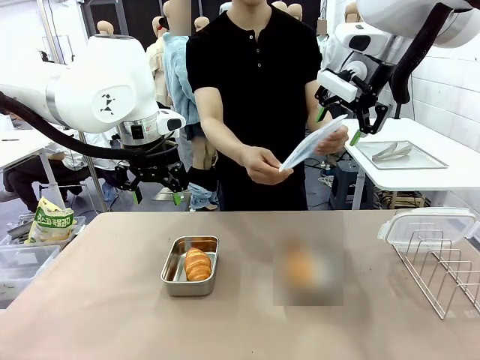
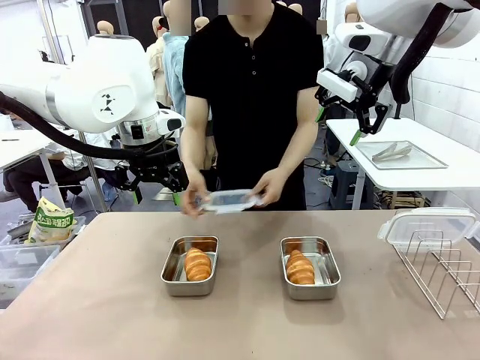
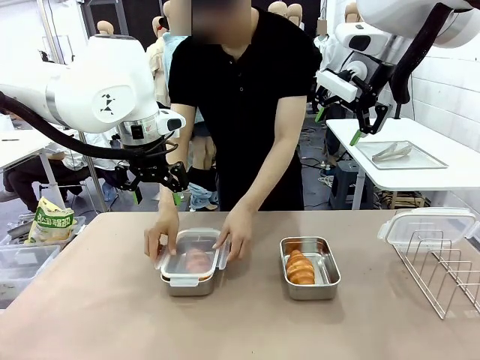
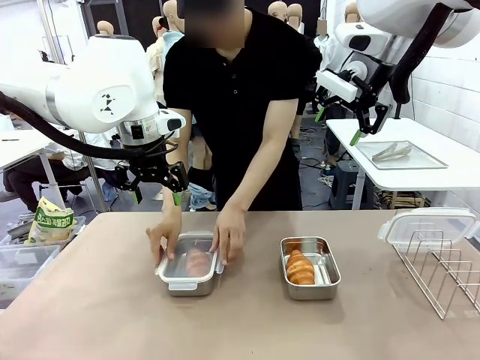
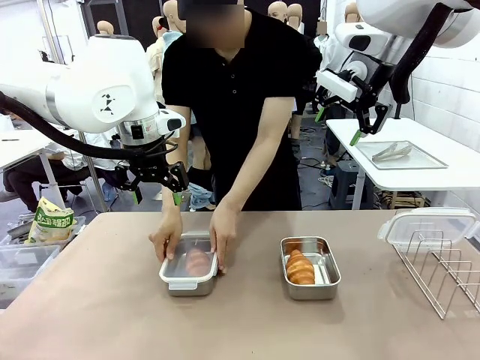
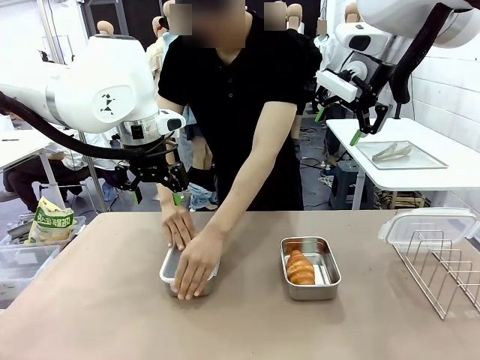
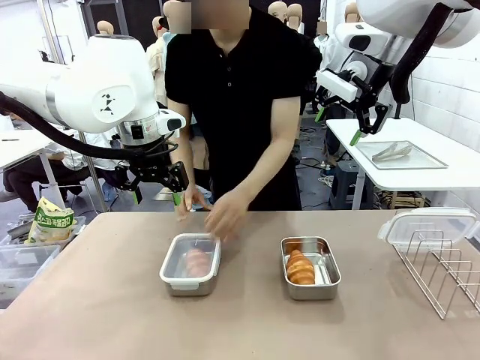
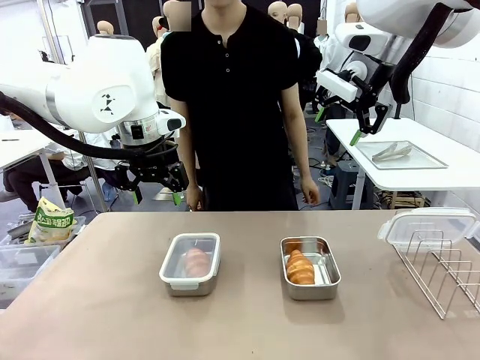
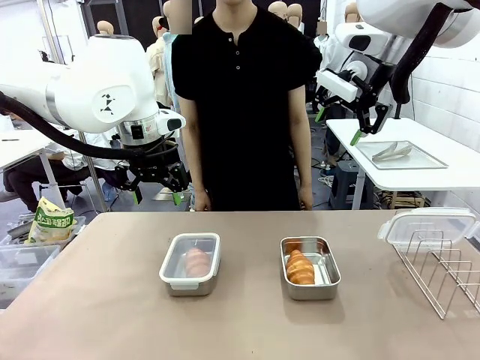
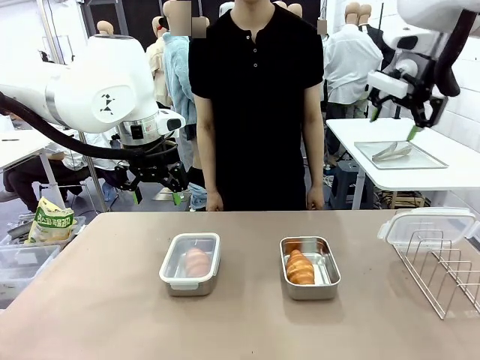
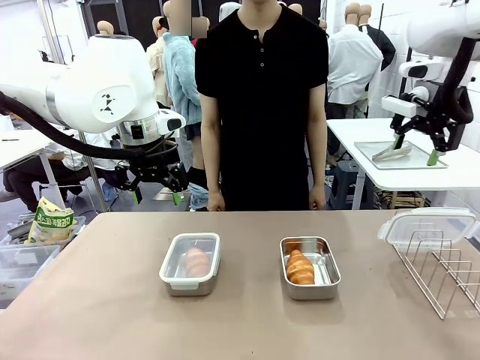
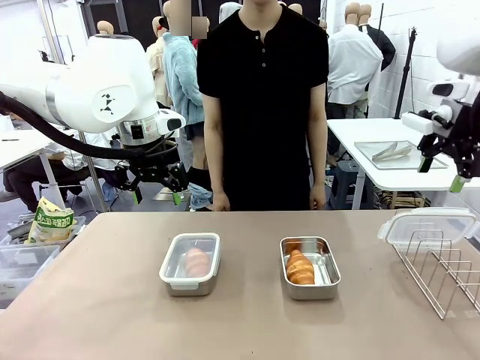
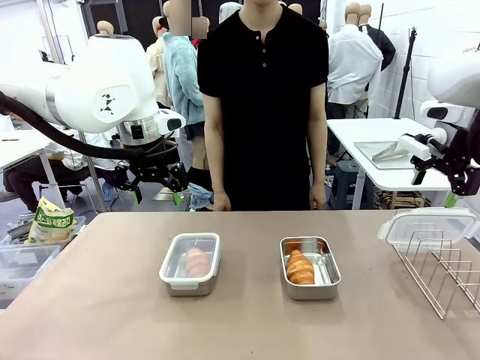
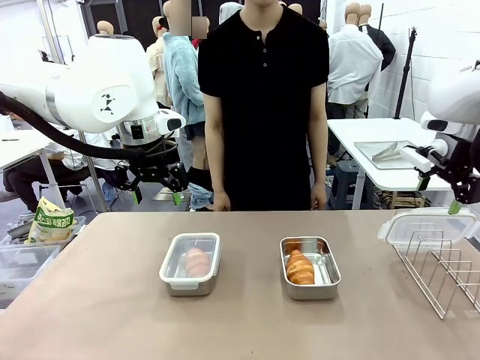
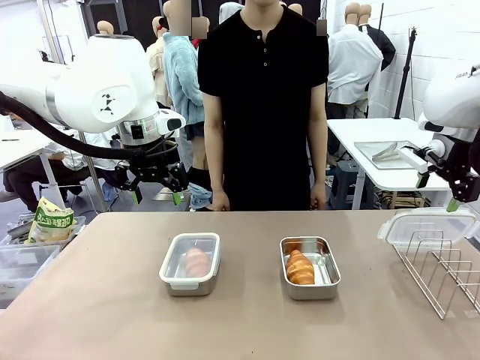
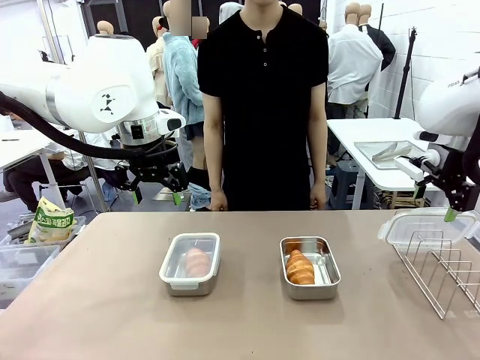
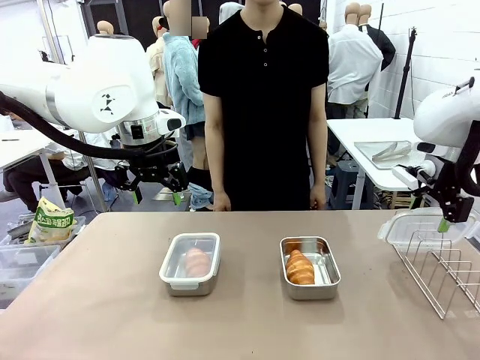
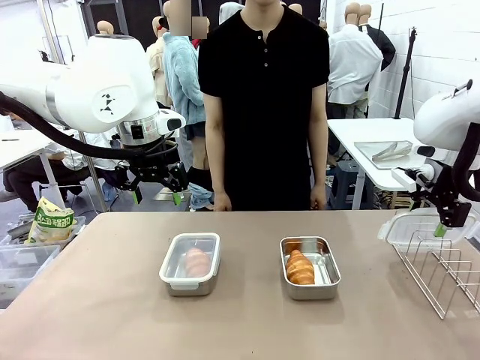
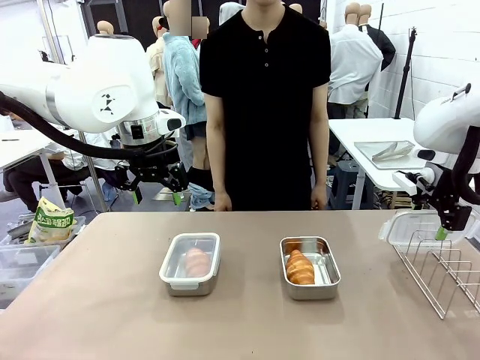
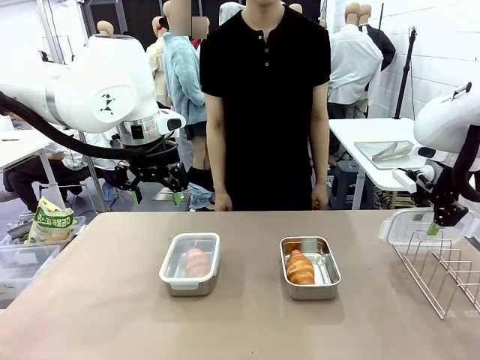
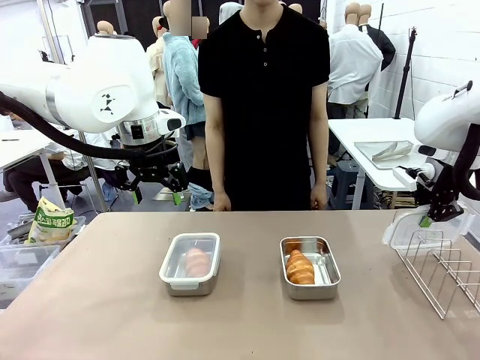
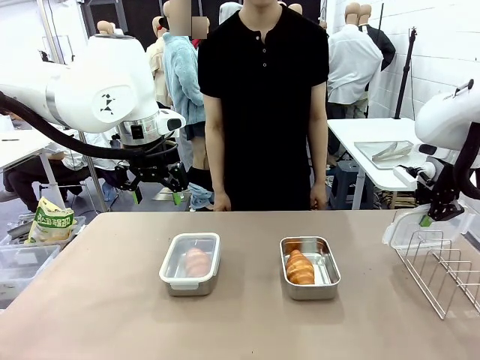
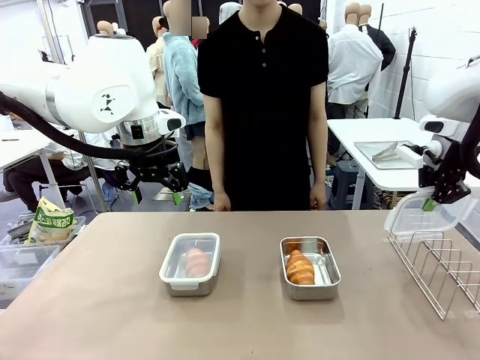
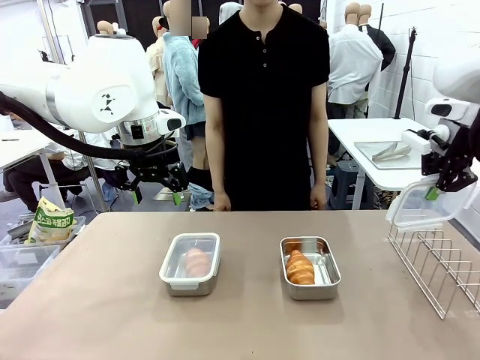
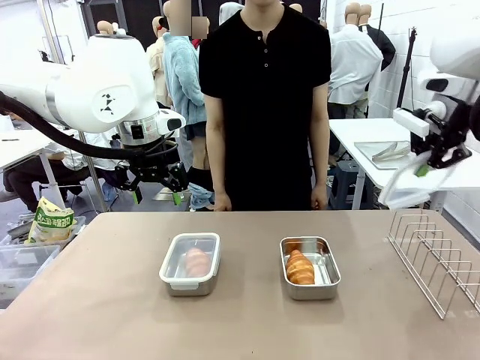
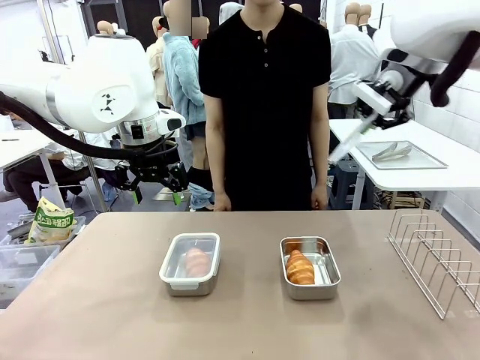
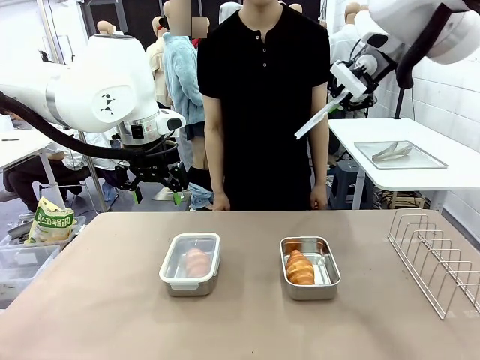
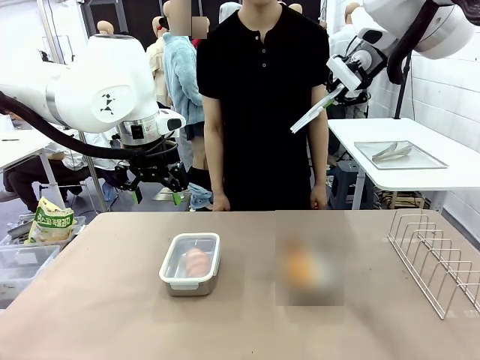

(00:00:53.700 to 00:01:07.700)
Task: Place the bread in airtight containers.
Robot: Pick up one Airtight Container lid and hand it to the human.
Person: Close Airtight Container with a handed Airtight Container lid. Grip Airtight Container lid that robot is handing.

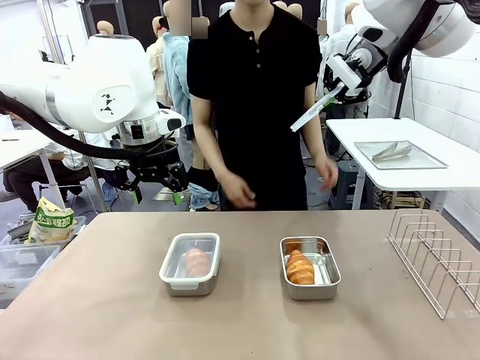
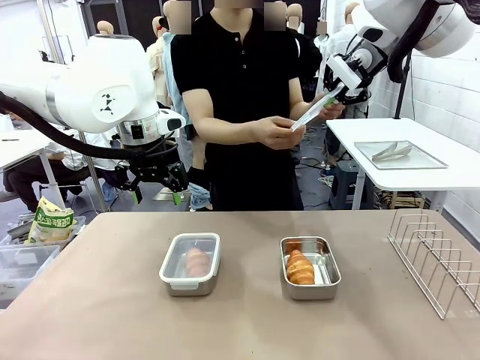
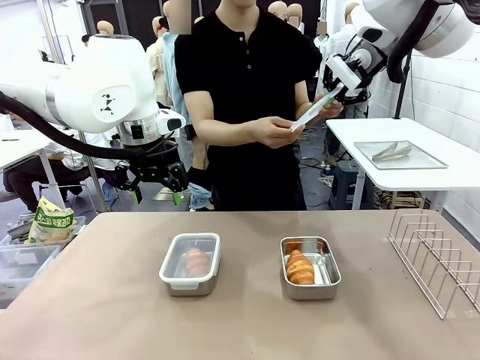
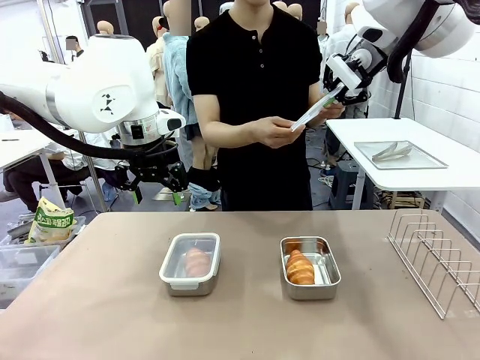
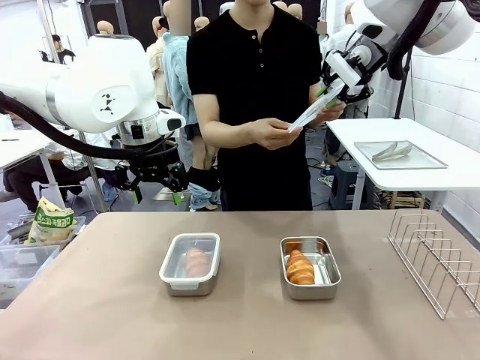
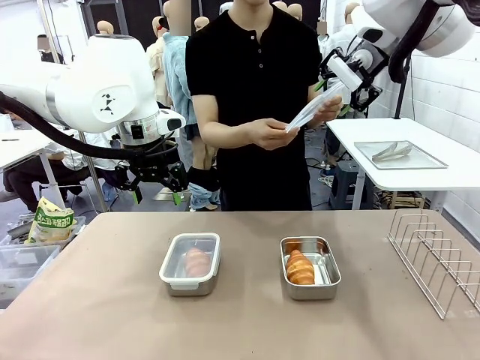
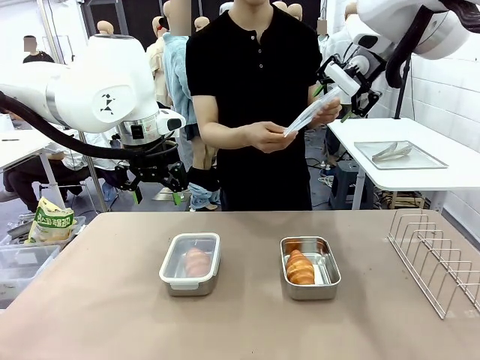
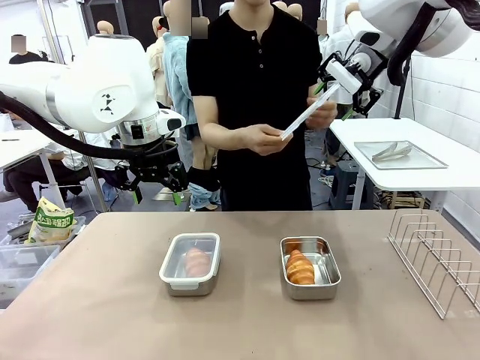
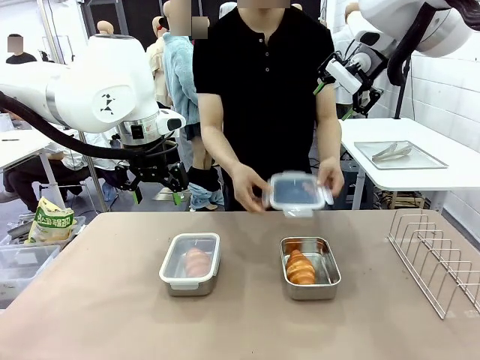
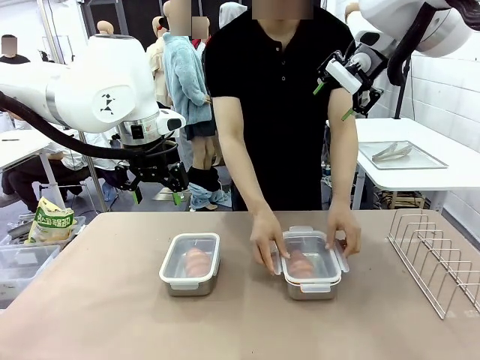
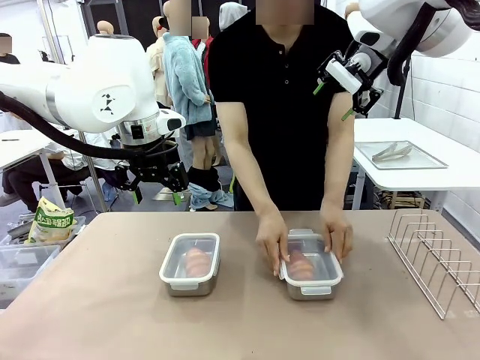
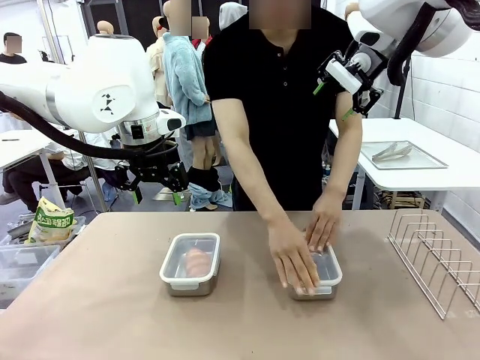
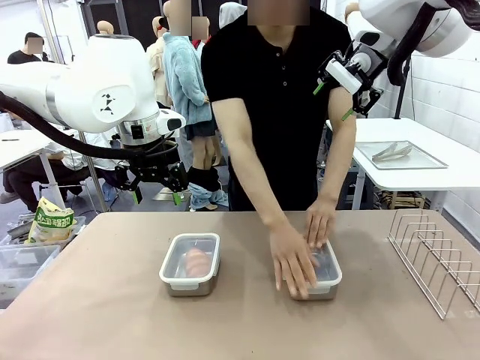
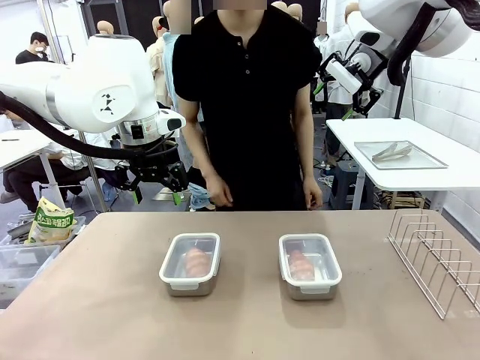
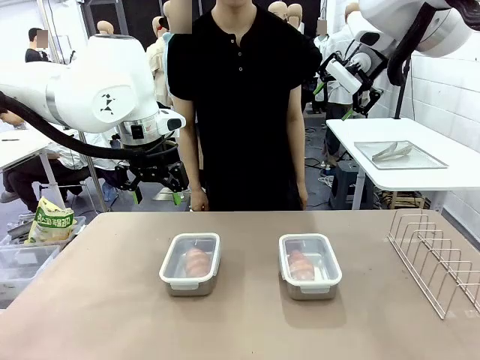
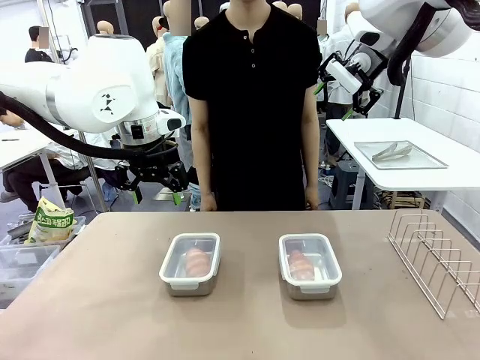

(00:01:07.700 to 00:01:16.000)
Robot: Release when the human grabs the Airtight Container lid.
Person: Close Airtight Container with a handed Airtight Container lid.

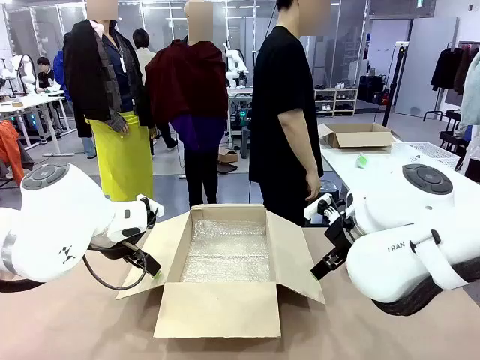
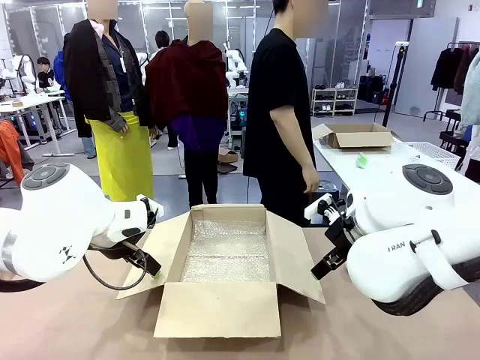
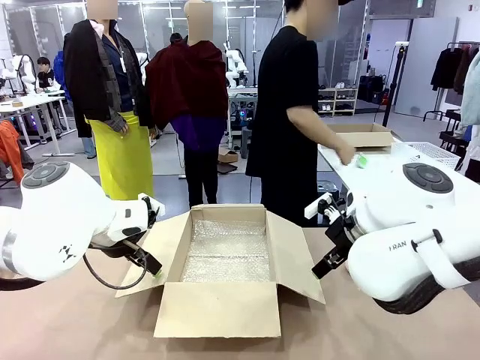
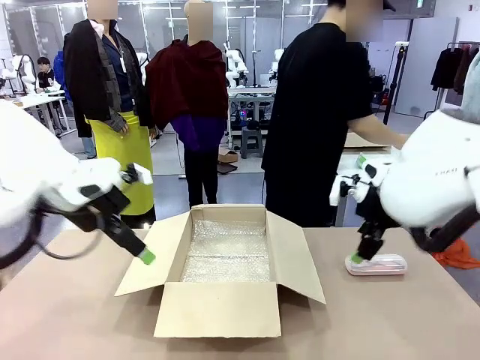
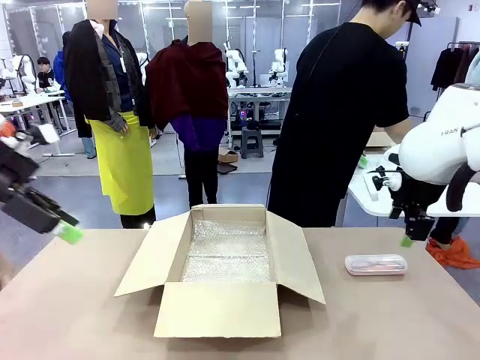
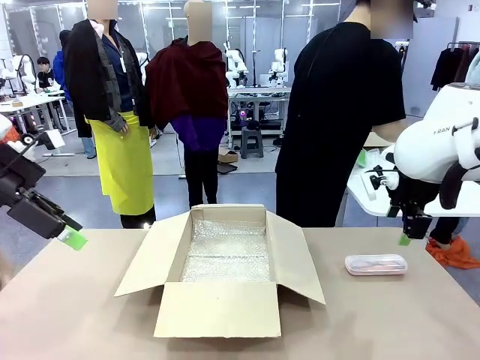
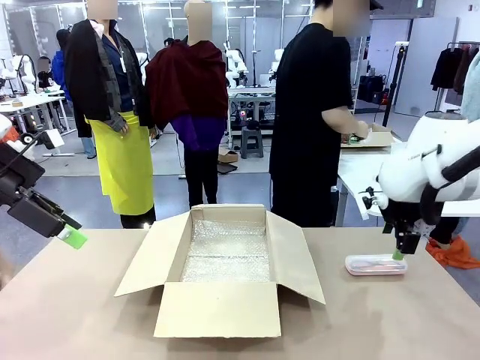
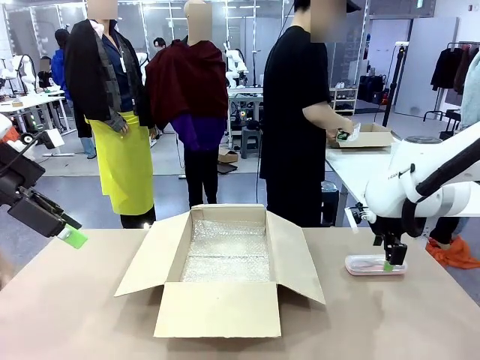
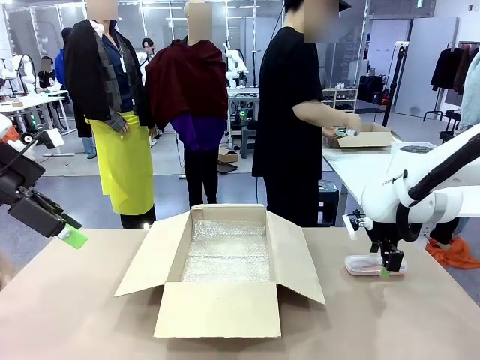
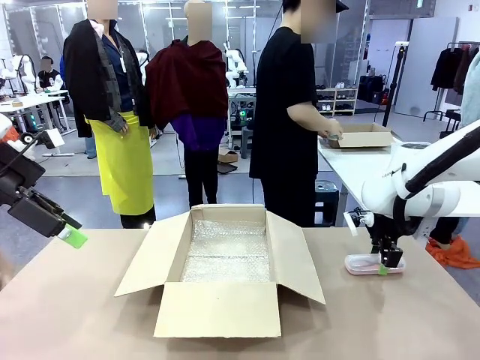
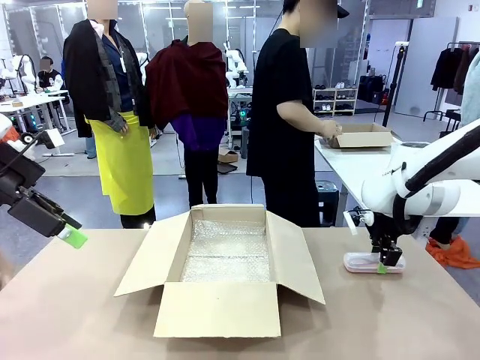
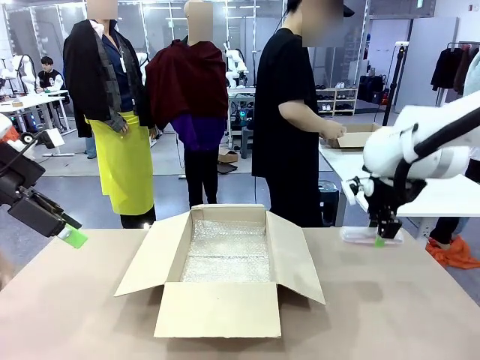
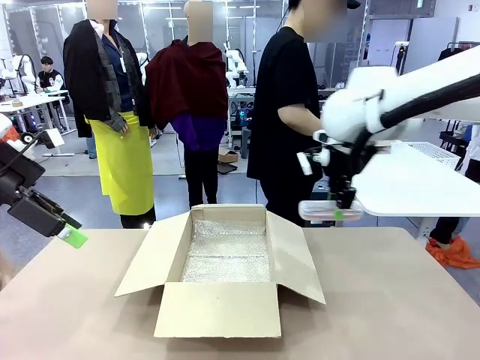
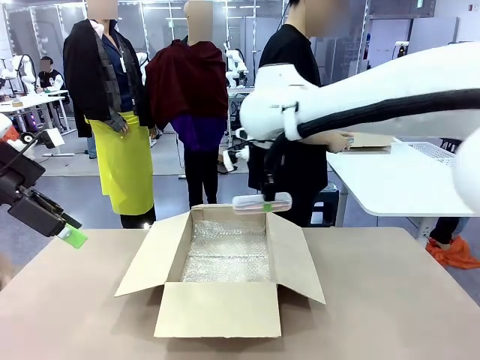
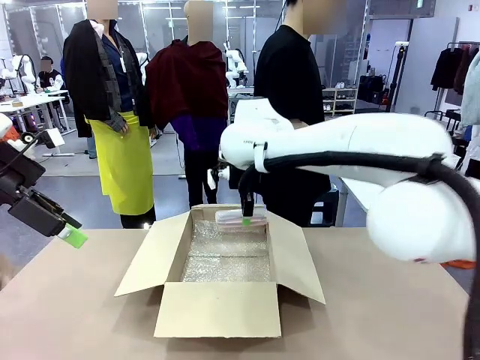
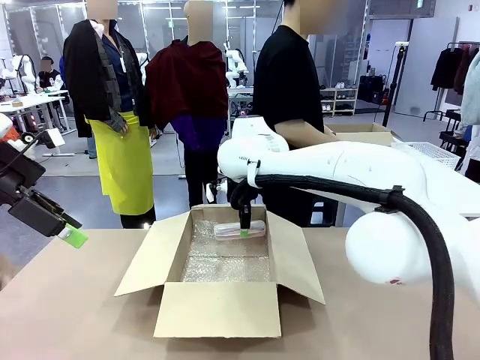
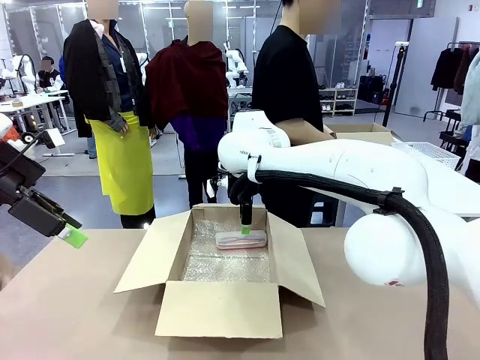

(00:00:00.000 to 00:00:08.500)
Task: Pack the glasses set securely to prepare it for shipping.
Robot: Place the Glasses case inside the Package Box.
Person: Place the Glasses inside the Glasses case.
